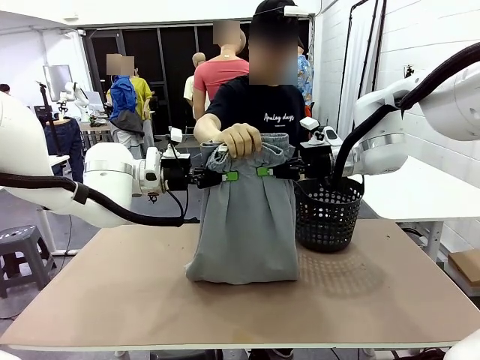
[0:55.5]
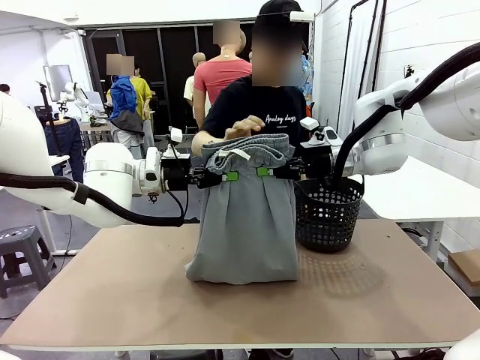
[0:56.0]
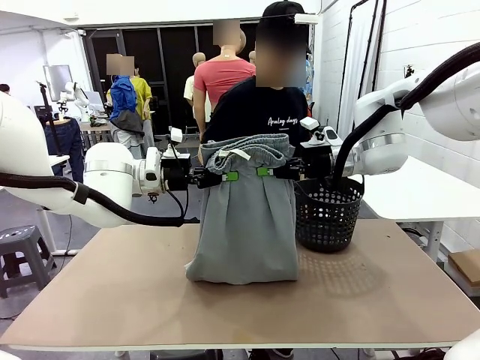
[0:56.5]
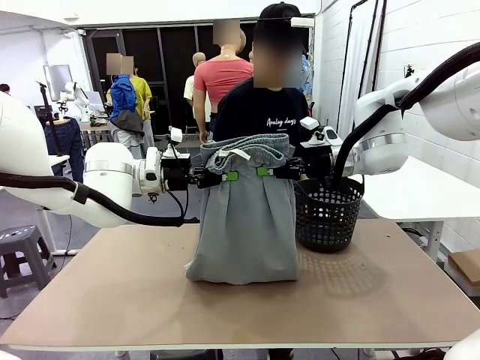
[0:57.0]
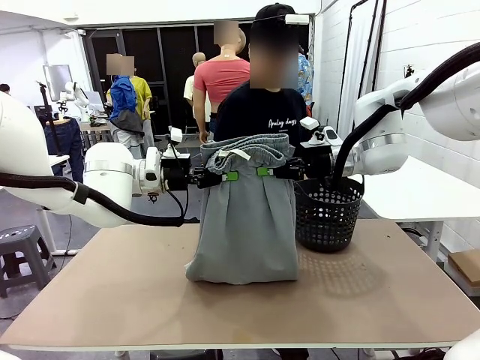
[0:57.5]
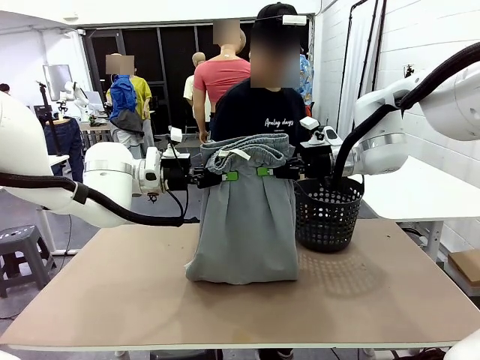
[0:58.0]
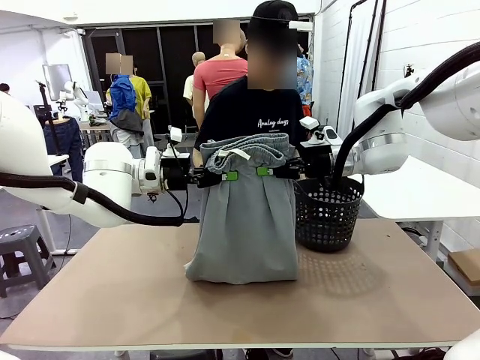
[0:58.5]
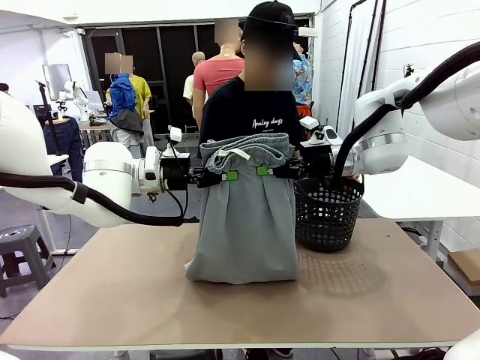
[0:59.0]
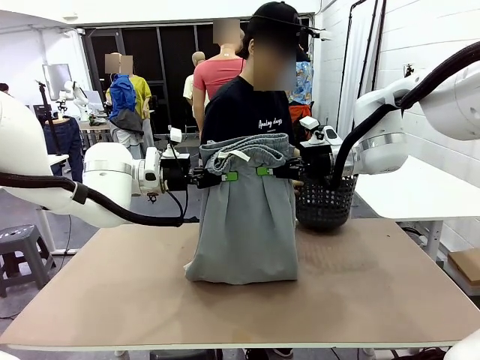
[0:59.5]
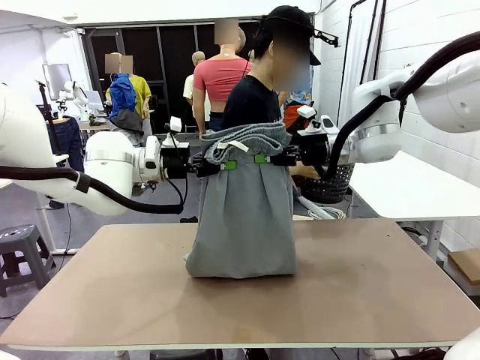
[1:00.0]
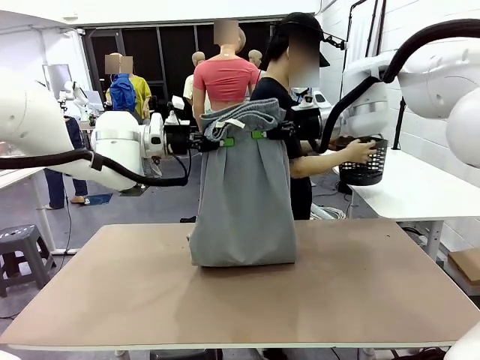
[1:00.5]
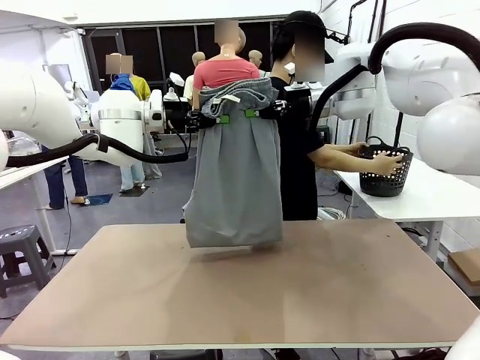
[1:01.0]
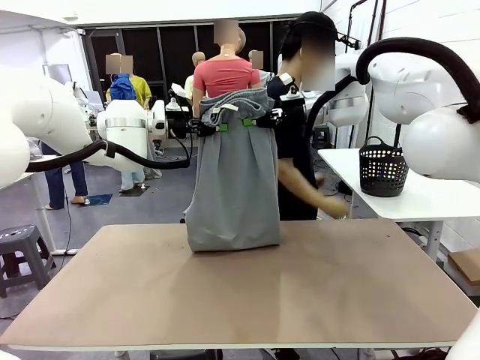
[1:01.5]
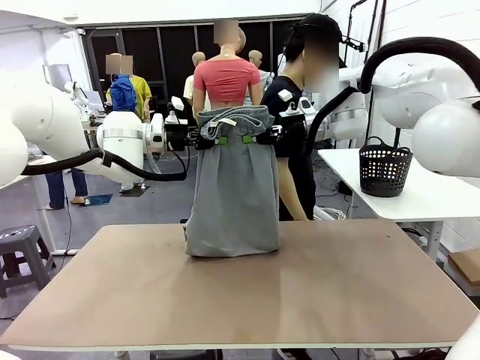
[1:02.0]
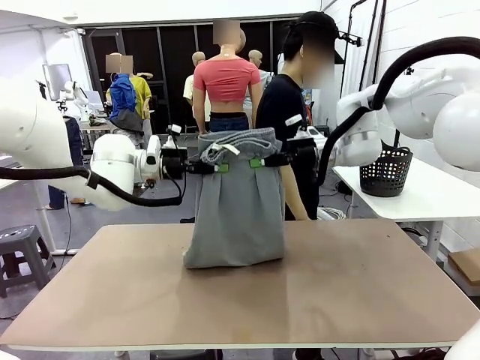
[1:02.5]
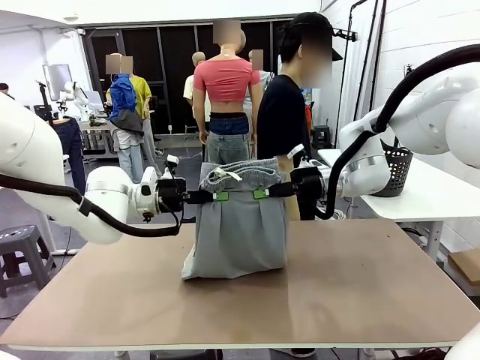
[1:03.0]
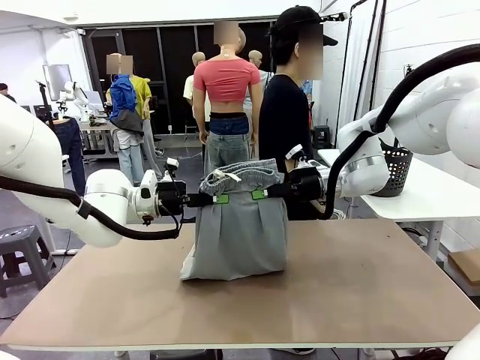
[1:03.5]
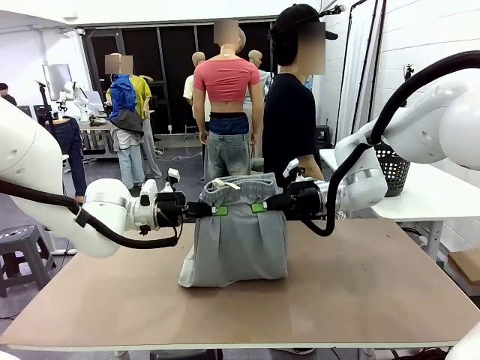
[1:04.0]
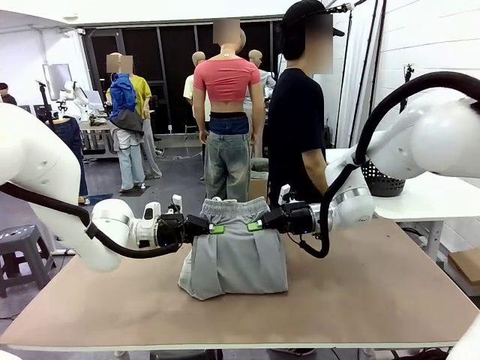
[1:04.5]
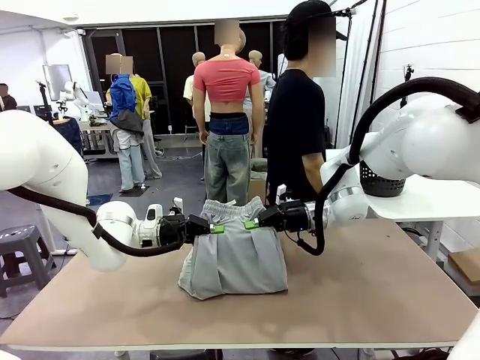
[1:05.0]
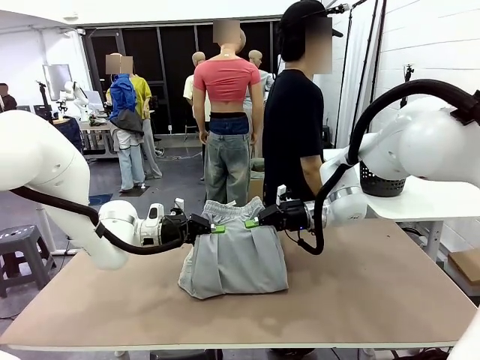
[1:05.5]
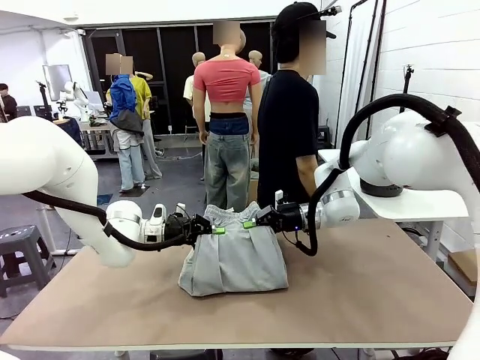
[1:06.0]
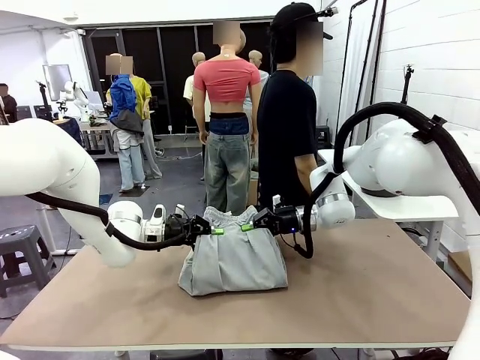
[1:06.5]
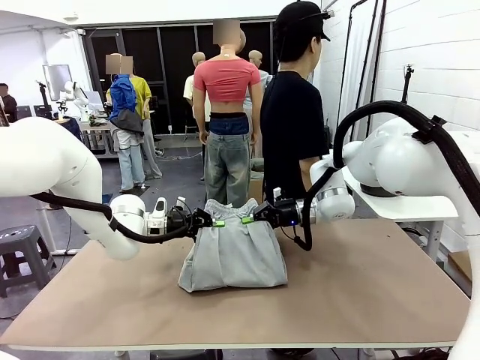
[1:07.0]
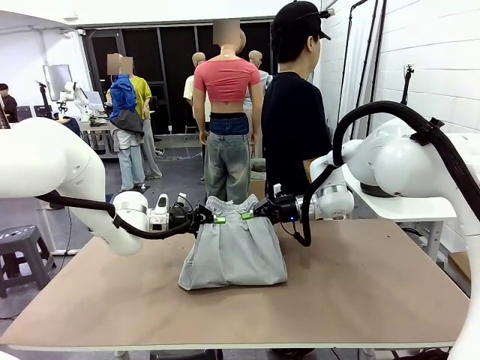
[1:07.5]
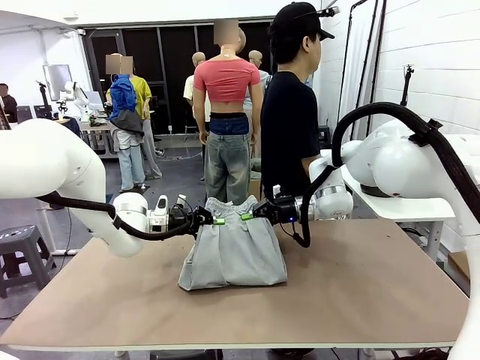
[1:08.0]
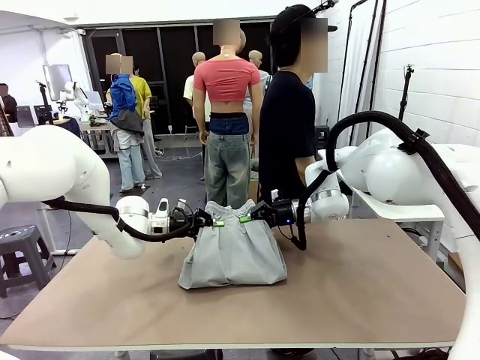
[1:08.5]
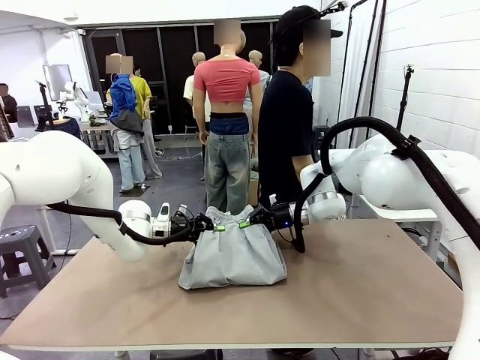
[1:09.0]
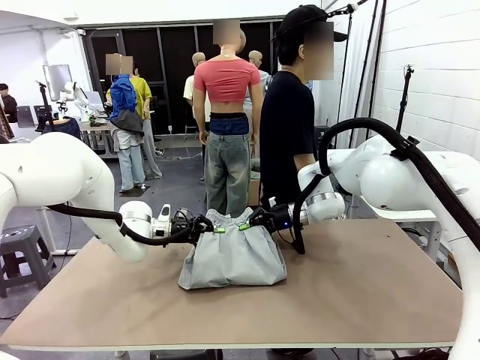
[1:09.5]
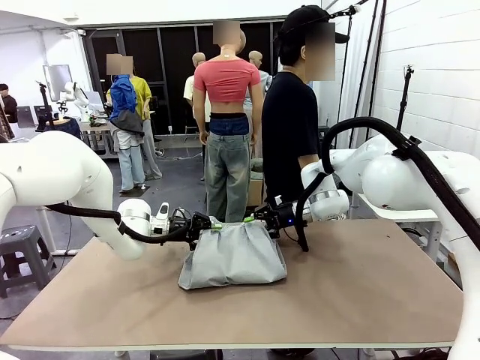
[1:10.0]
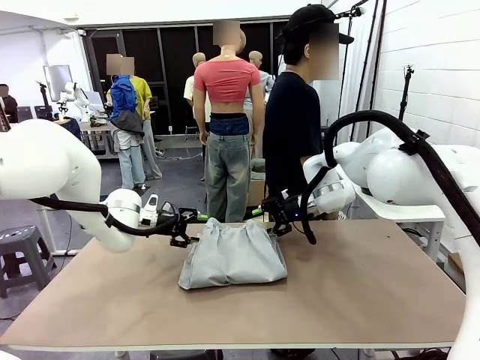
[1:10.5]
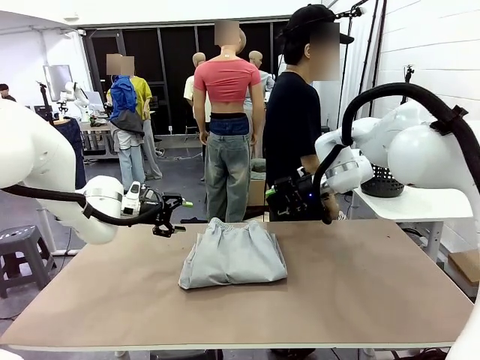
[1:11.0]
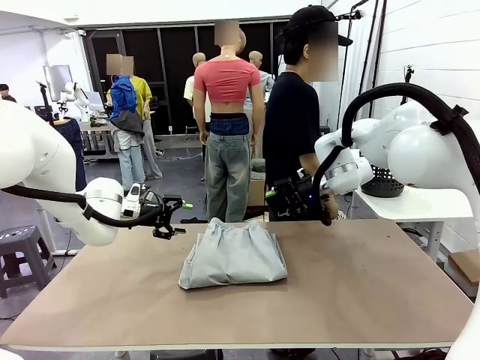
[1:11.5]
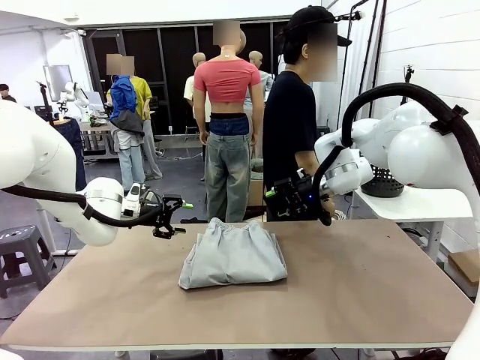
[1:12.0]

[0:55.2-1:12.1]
Task: Fold the training pants.
Robot: Fold the Training pants in half.
Person: Move the laundry basket to the right of the human table.
